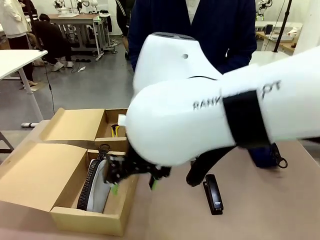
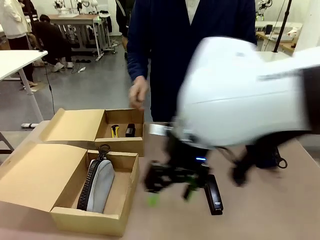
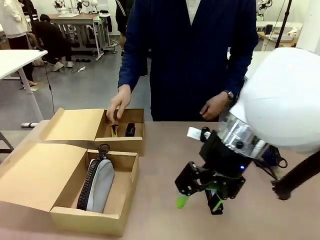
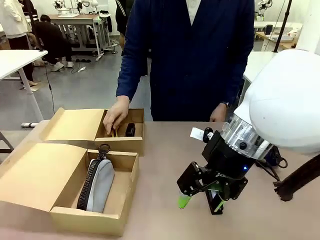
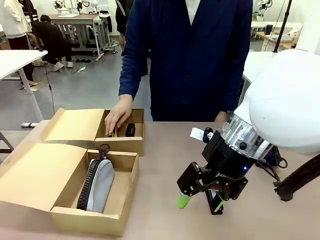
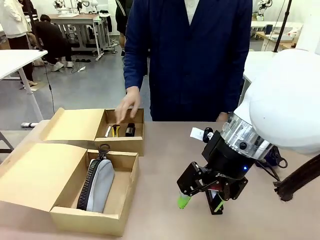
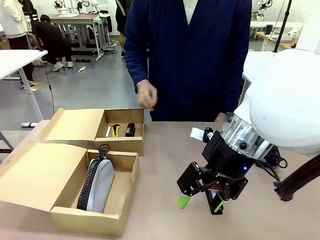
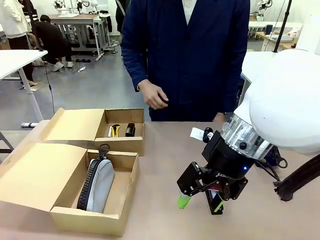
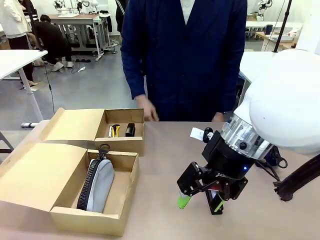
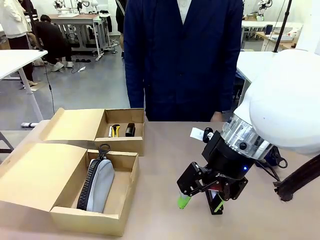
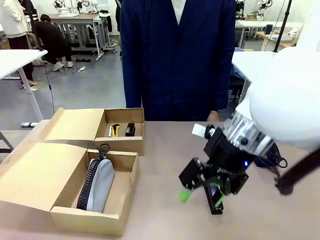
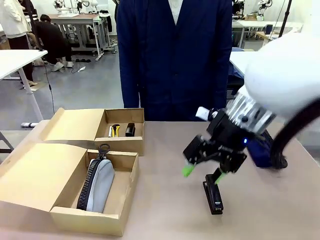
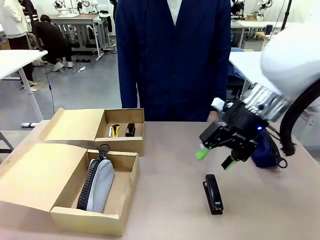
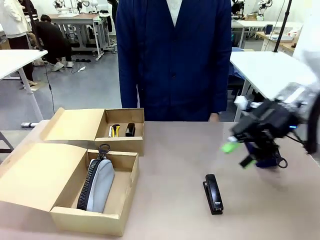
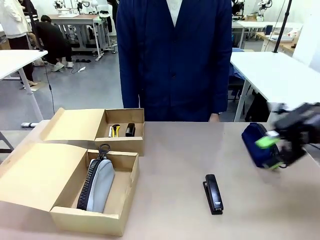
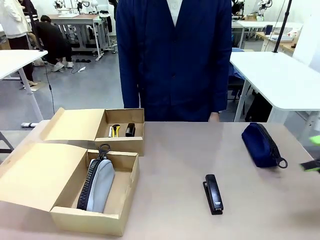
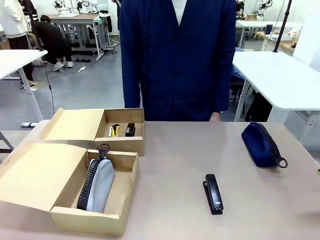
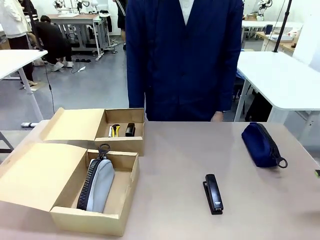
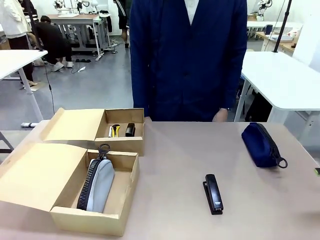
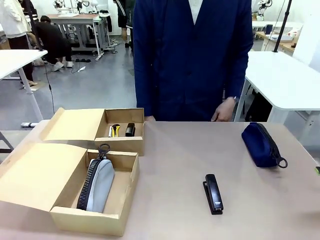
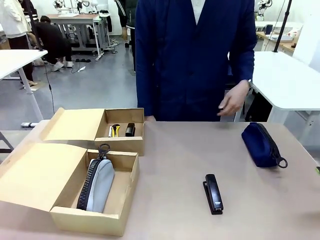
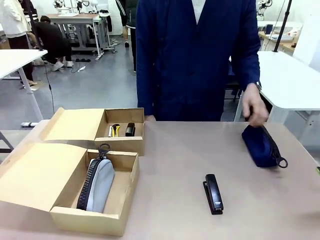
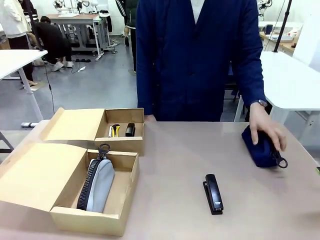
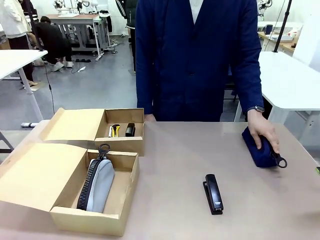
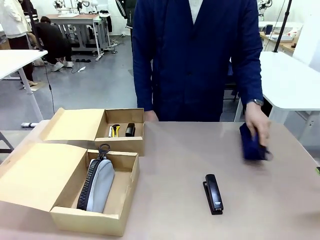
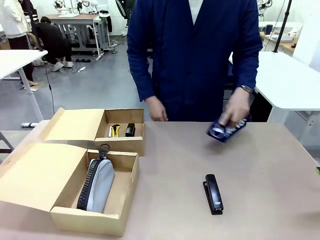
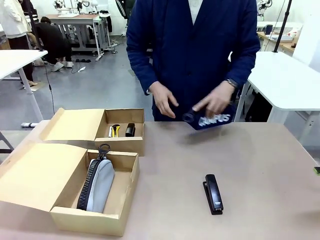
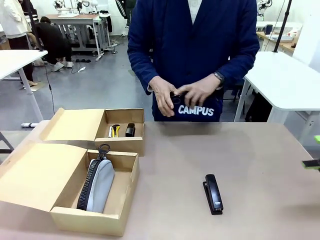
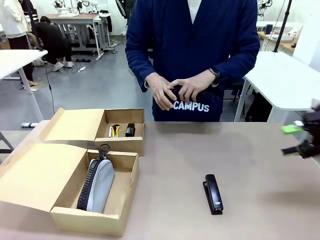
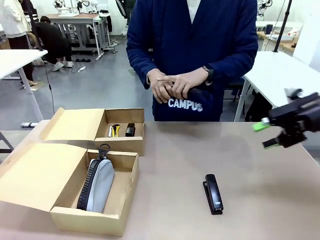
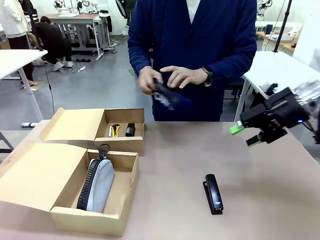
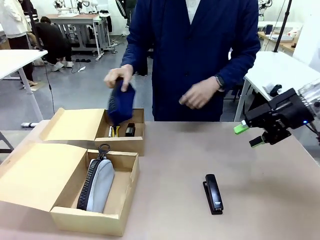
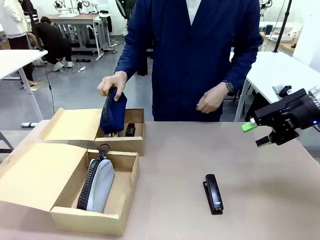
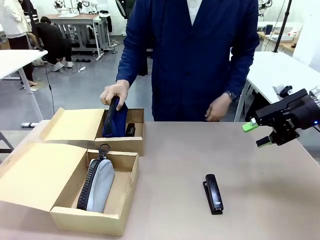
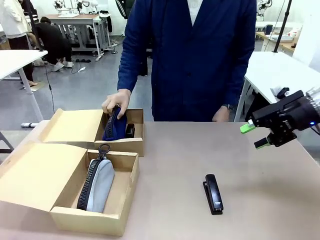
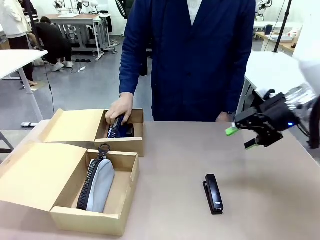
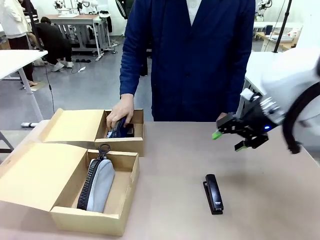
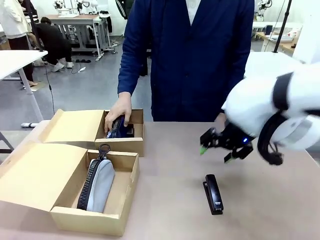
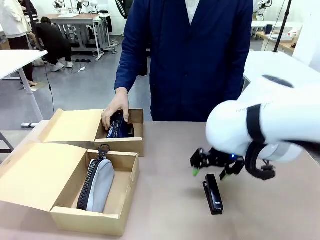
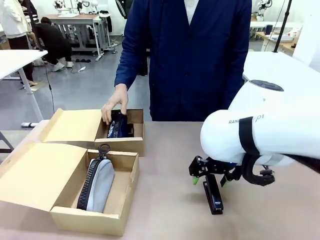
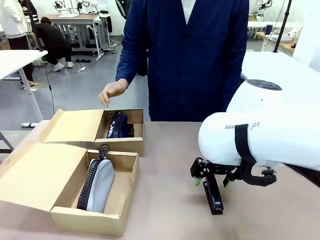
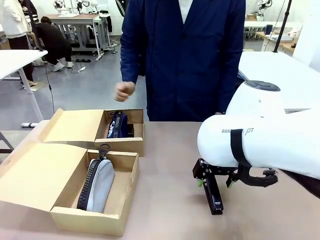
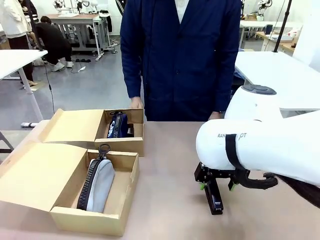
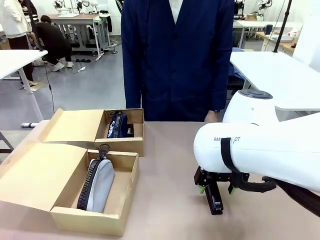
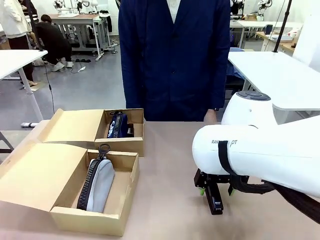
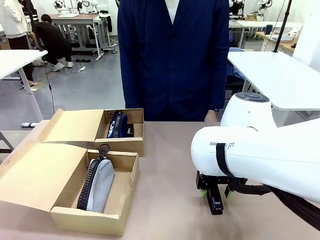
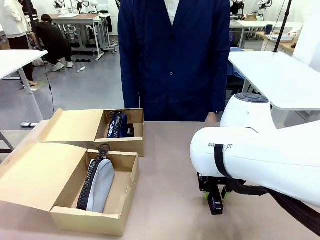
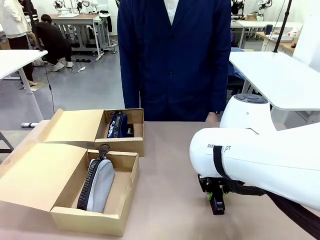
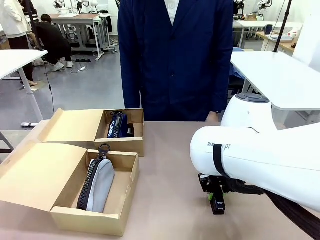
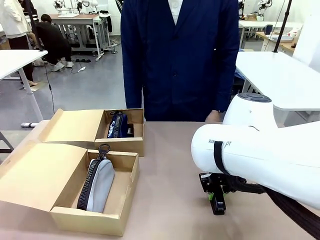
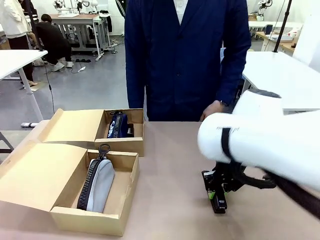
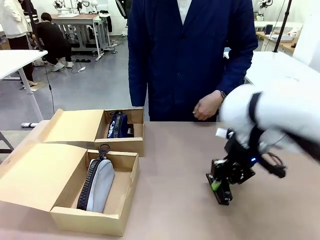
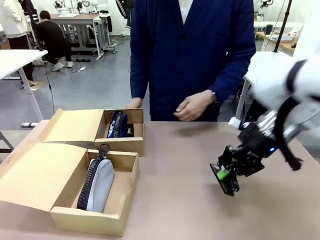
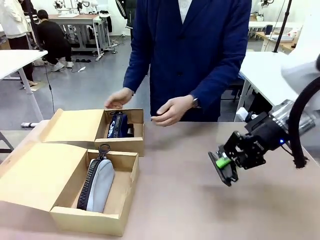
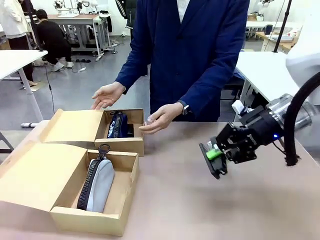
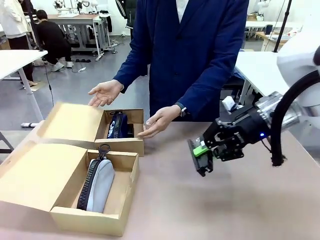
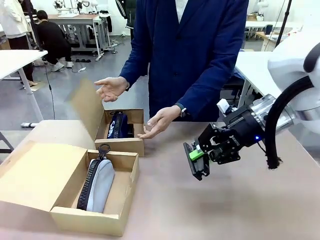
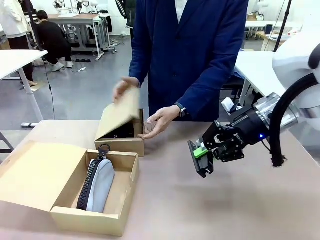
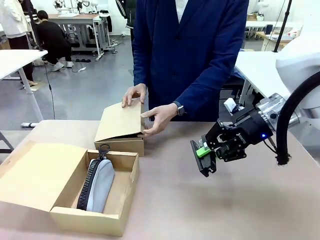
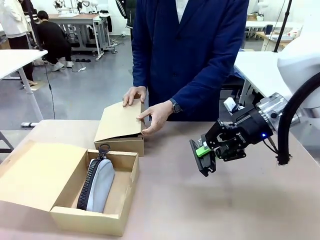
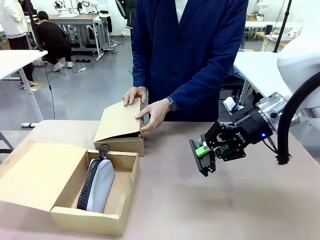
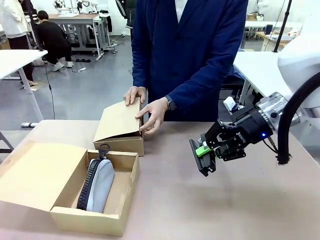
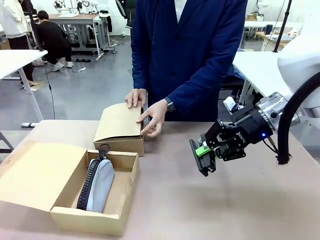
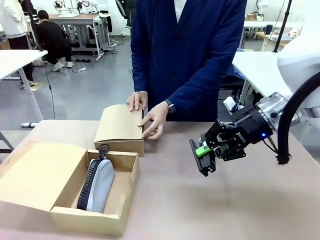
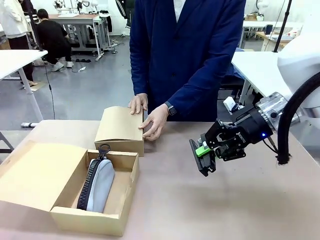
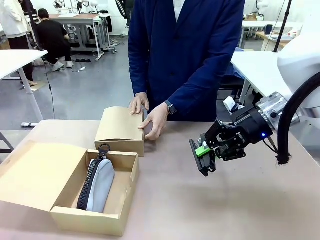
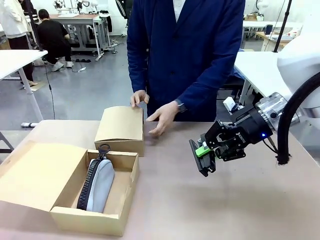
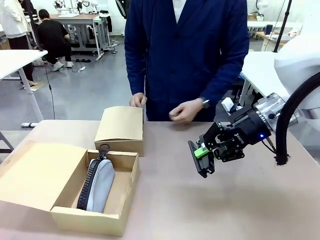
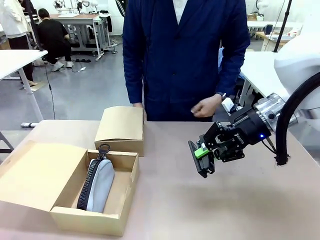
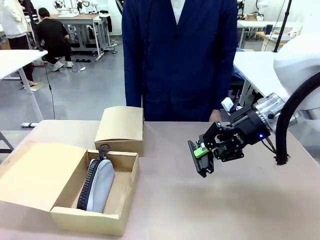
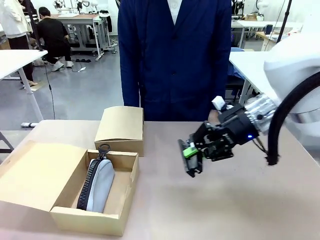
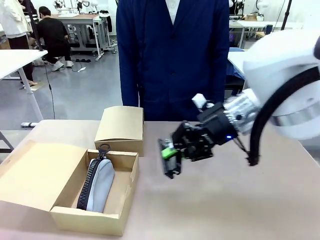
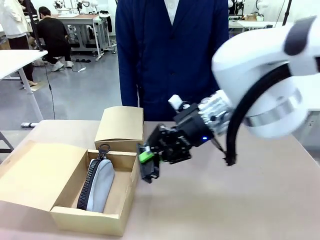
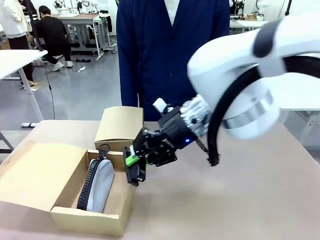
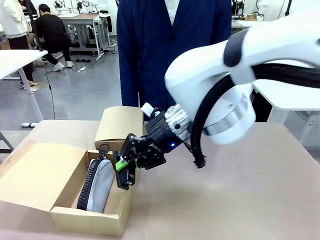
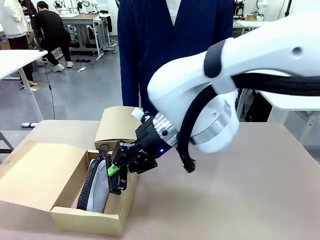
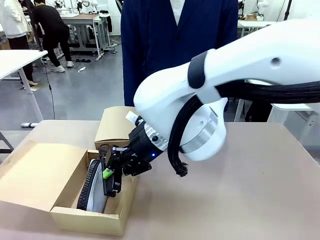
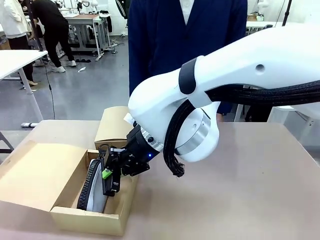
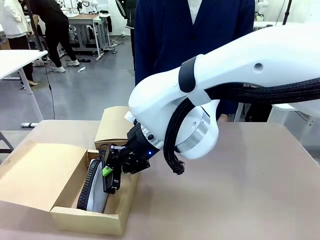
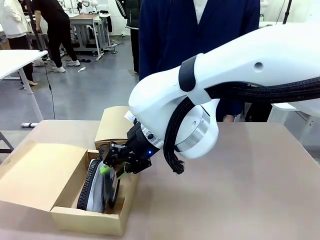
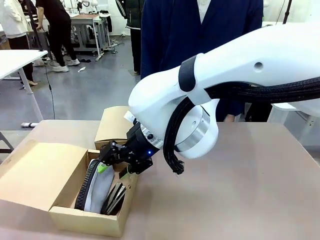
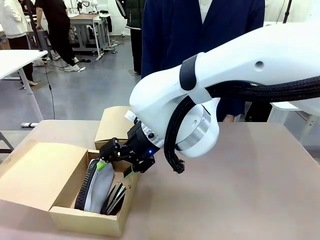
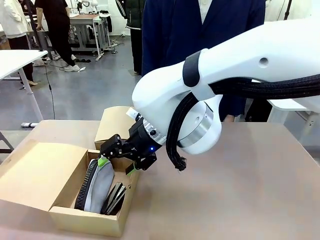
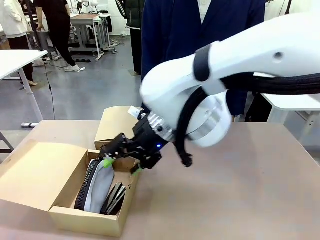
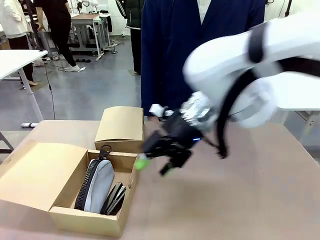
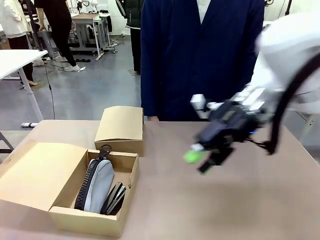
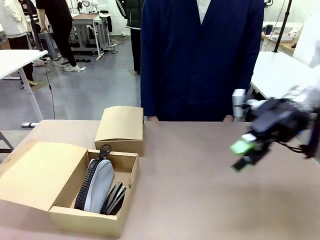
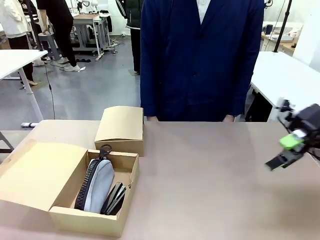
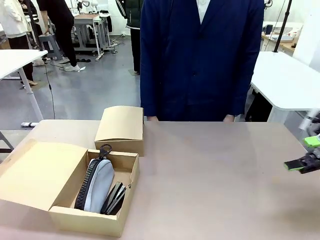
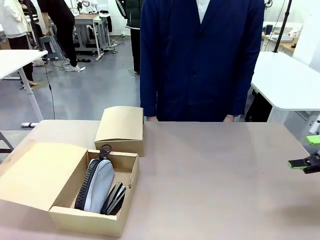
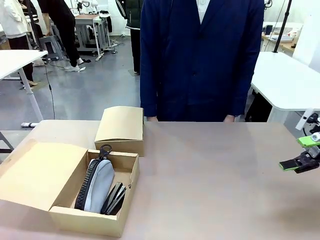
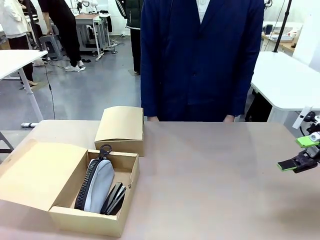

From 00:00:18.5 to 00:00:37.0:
Task: Place items inside the box.
Robot: Pick up a Pencil pouch or Stapler and place it inside the Mailer Box closest to the robot.

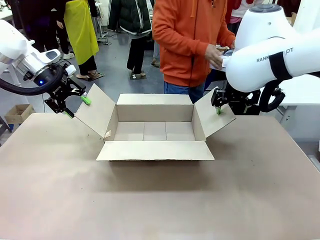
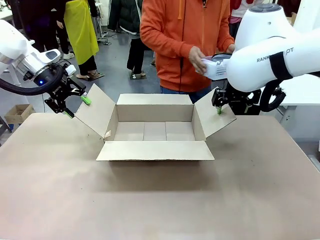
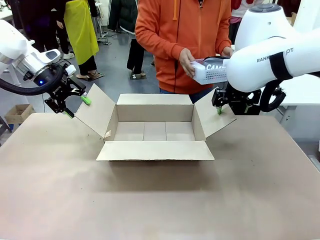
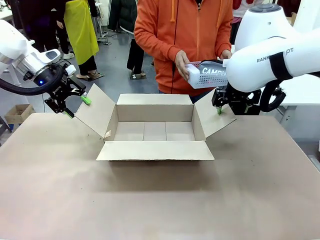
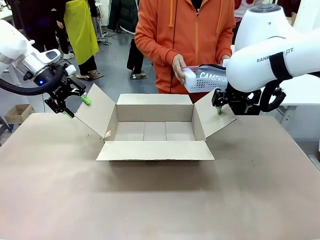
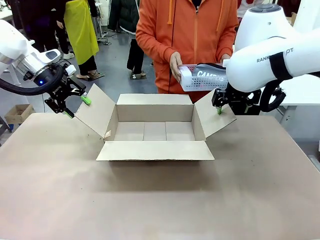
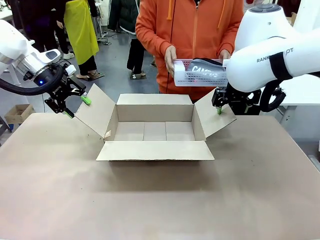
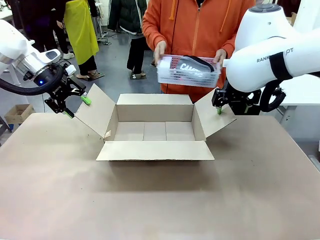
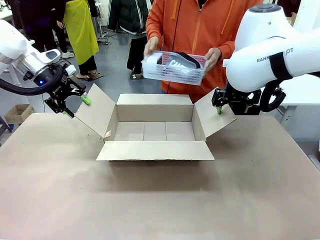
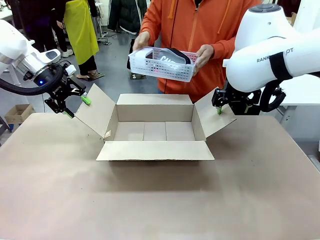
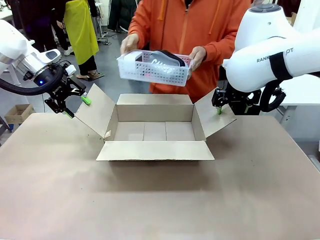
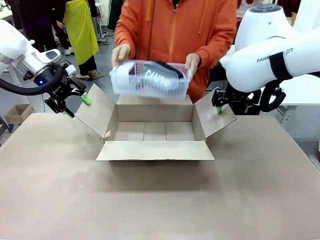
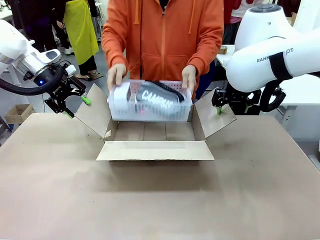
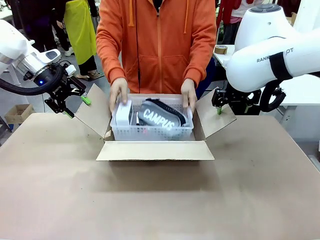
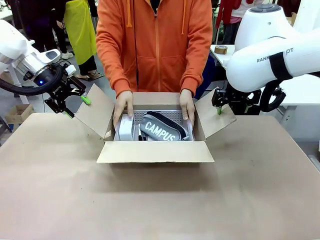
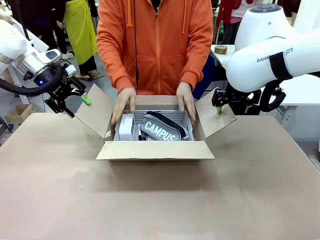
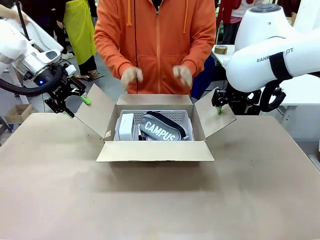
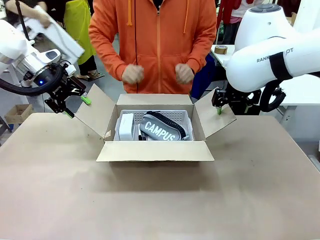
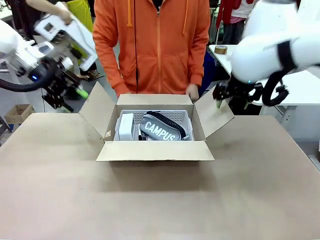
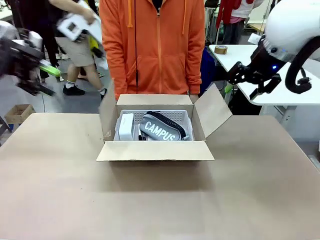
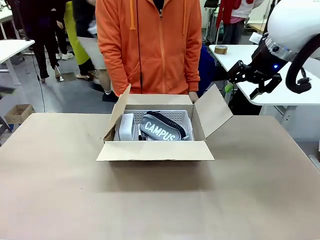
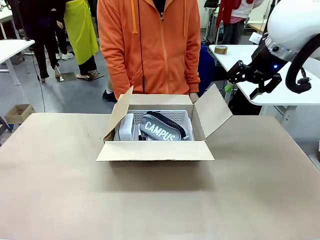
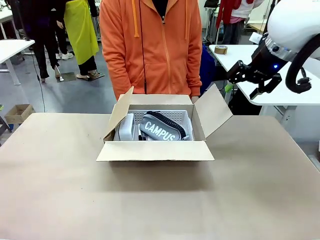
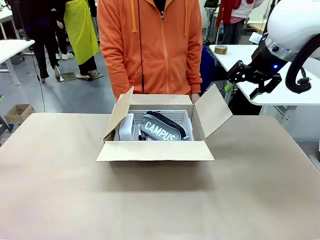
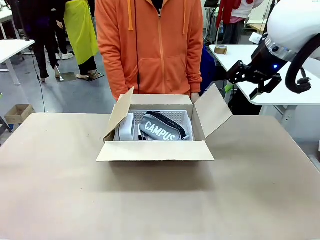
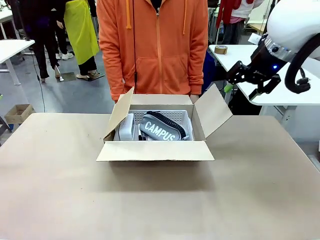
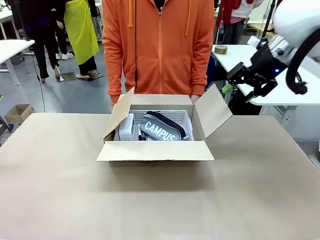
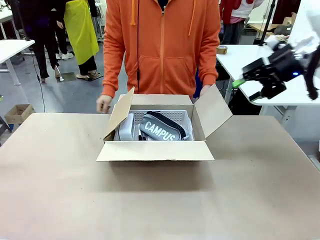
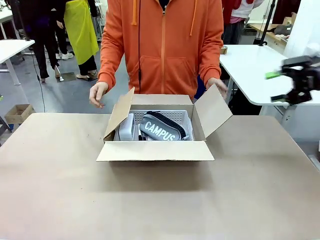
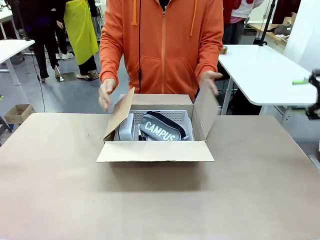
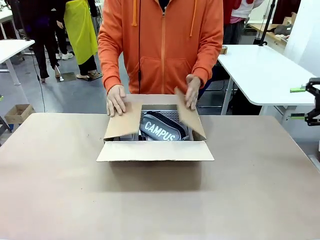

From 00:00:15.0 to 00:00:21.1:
Task: Pack the gift set into the box.
Robot: Lift both hands away from the flaps of the Package Box.
Person: The human picks up the organizing basket and places the organizing basket into the package box on the robot table.
